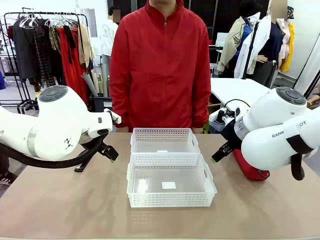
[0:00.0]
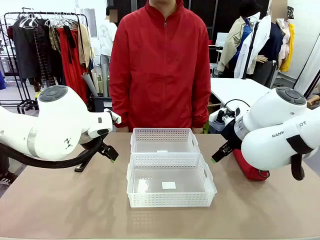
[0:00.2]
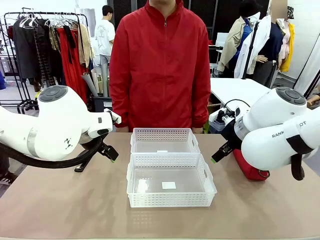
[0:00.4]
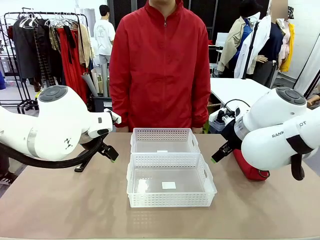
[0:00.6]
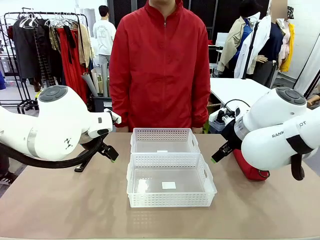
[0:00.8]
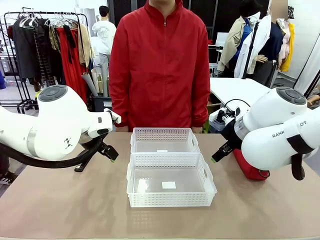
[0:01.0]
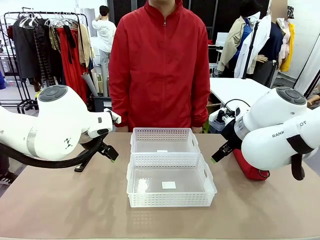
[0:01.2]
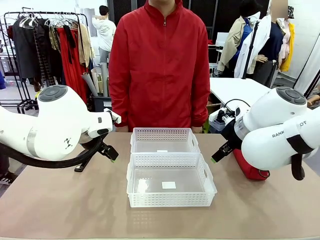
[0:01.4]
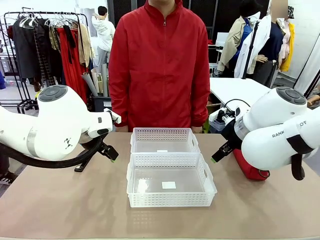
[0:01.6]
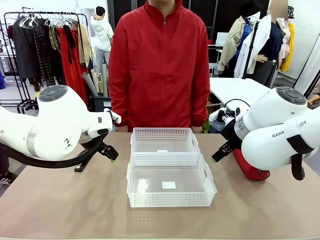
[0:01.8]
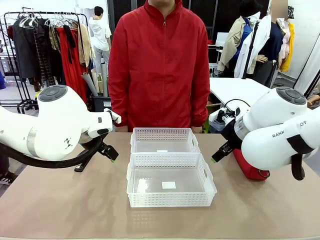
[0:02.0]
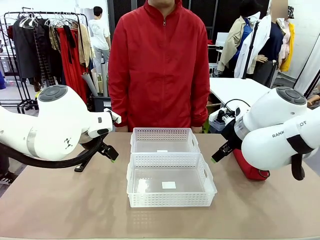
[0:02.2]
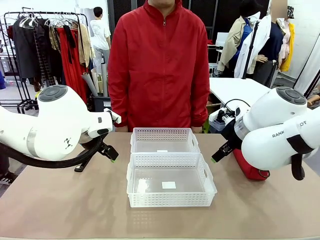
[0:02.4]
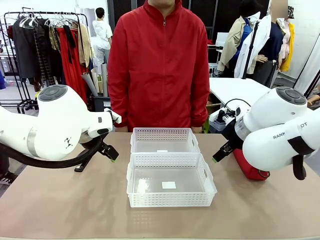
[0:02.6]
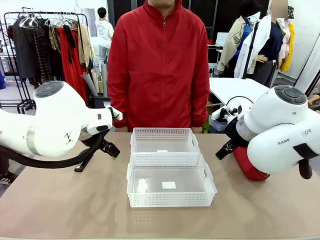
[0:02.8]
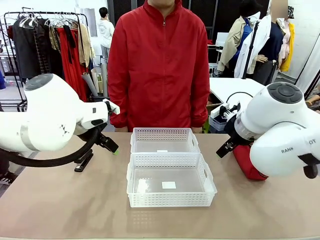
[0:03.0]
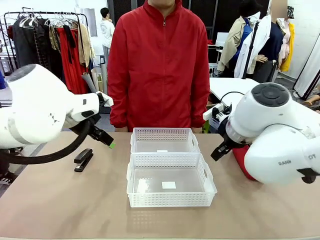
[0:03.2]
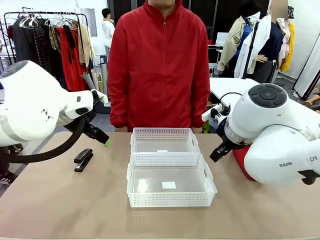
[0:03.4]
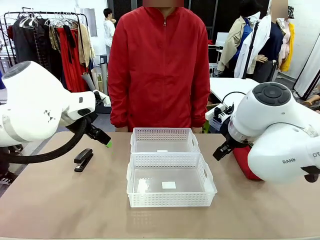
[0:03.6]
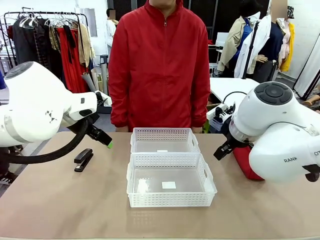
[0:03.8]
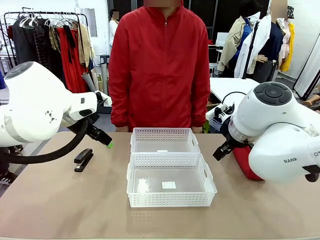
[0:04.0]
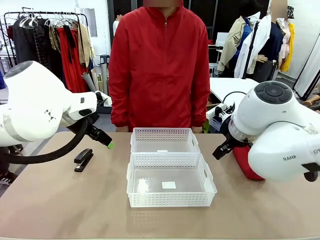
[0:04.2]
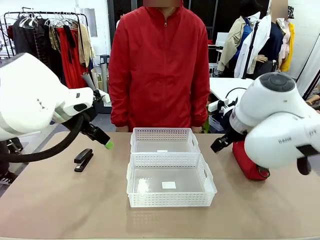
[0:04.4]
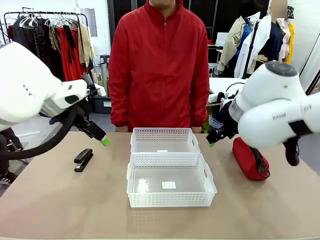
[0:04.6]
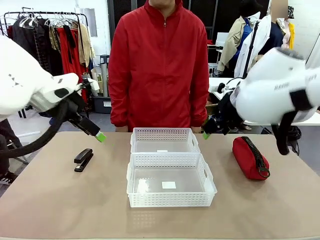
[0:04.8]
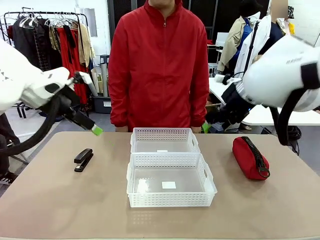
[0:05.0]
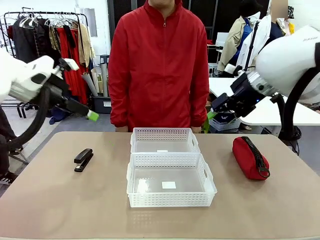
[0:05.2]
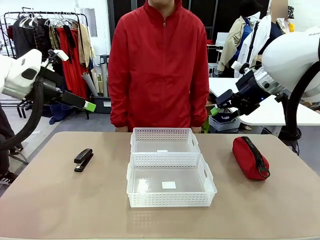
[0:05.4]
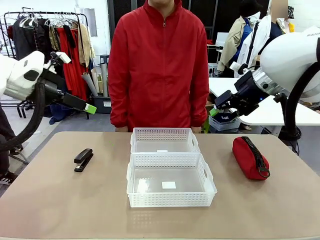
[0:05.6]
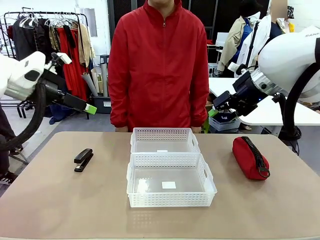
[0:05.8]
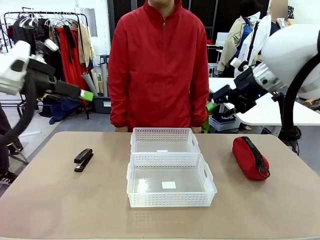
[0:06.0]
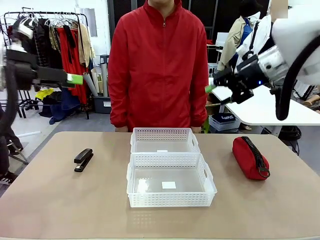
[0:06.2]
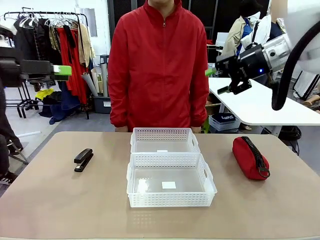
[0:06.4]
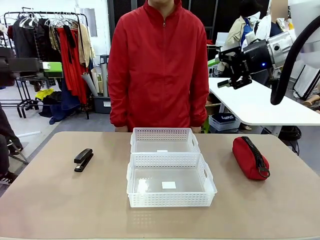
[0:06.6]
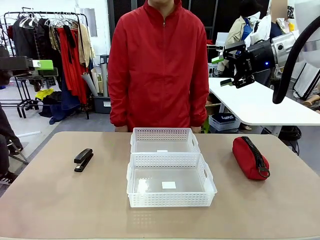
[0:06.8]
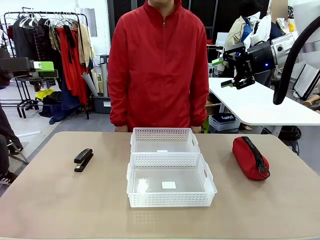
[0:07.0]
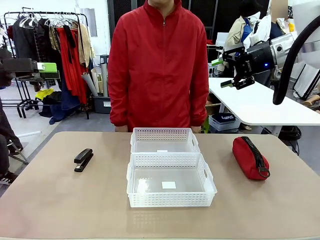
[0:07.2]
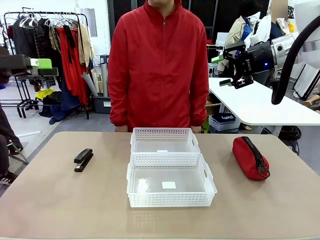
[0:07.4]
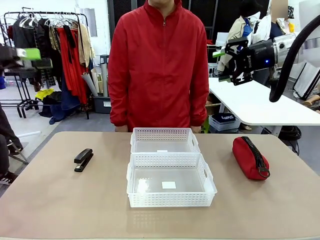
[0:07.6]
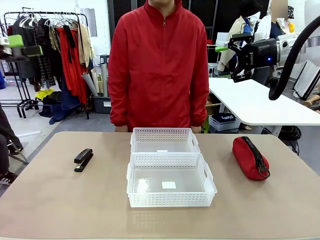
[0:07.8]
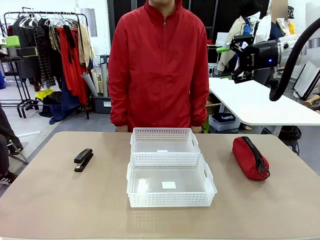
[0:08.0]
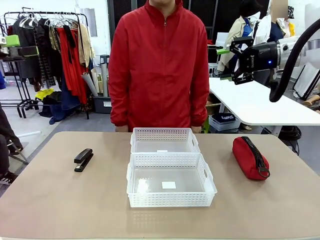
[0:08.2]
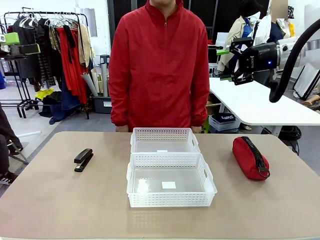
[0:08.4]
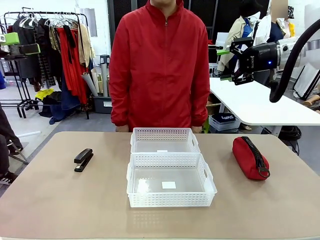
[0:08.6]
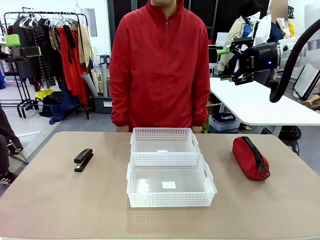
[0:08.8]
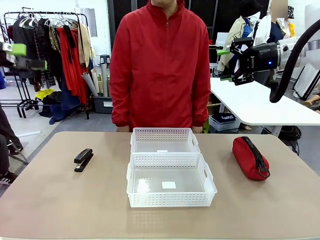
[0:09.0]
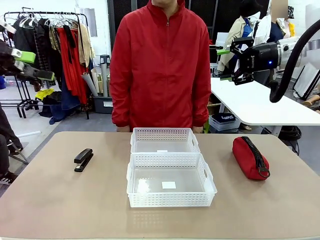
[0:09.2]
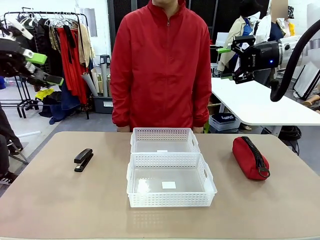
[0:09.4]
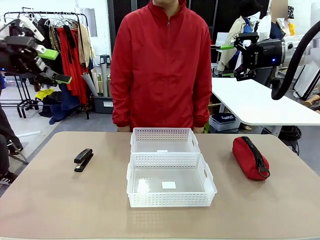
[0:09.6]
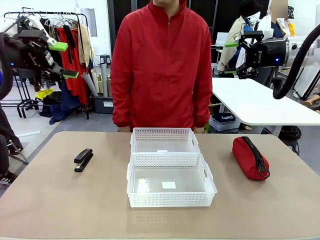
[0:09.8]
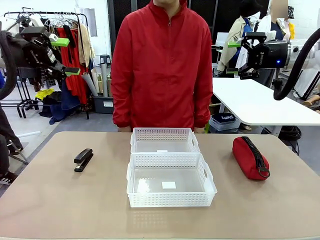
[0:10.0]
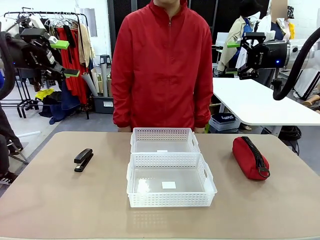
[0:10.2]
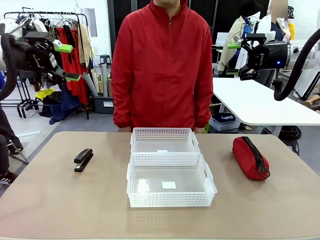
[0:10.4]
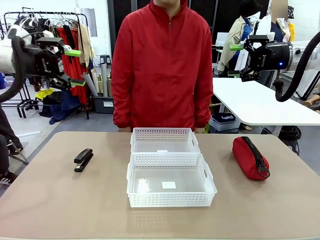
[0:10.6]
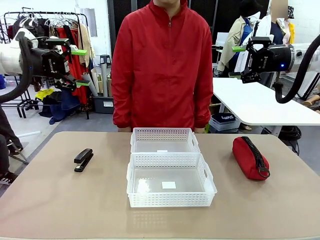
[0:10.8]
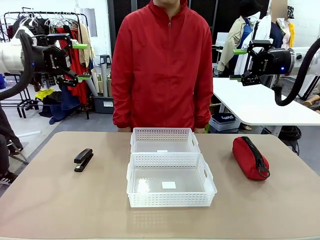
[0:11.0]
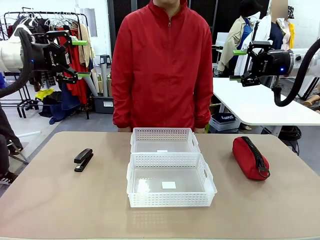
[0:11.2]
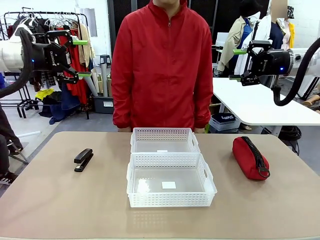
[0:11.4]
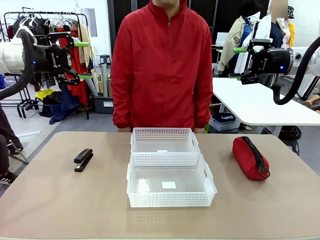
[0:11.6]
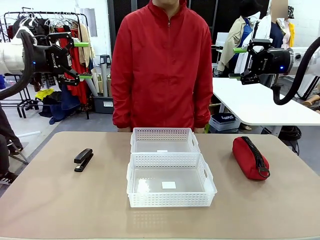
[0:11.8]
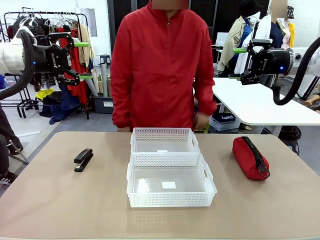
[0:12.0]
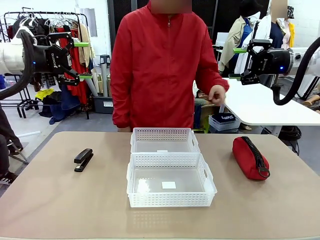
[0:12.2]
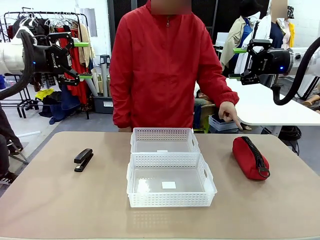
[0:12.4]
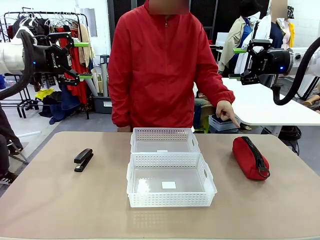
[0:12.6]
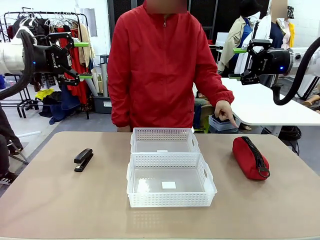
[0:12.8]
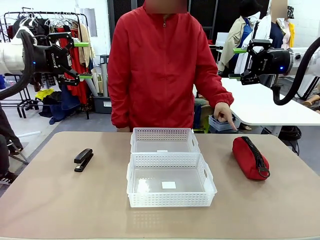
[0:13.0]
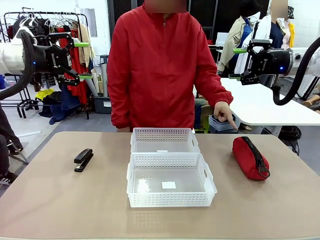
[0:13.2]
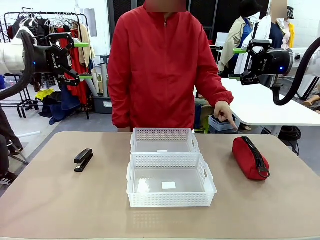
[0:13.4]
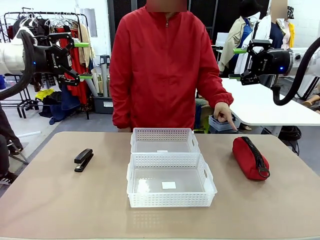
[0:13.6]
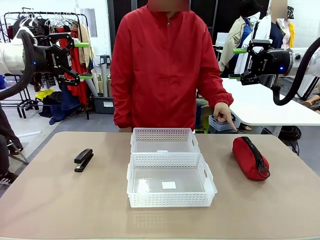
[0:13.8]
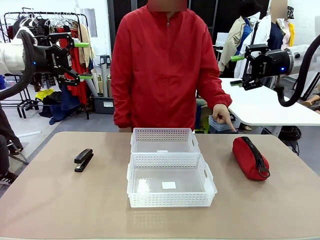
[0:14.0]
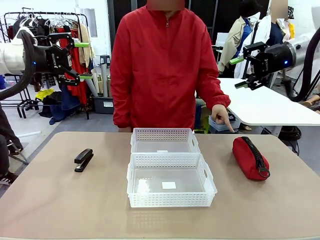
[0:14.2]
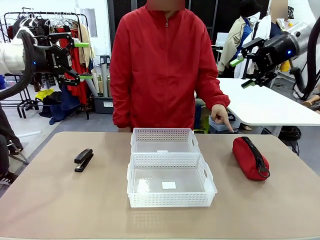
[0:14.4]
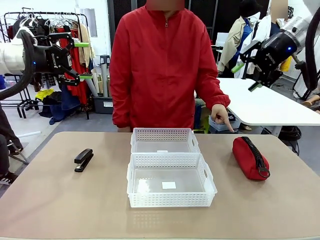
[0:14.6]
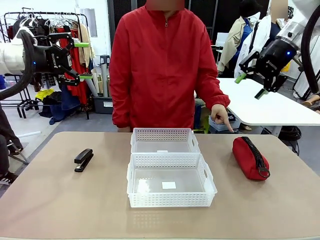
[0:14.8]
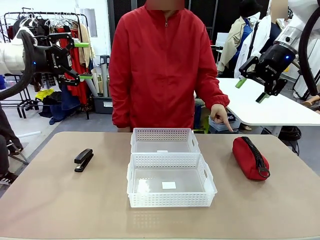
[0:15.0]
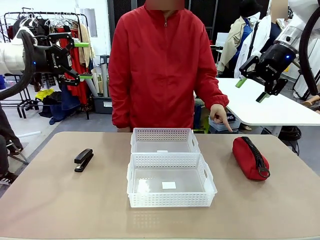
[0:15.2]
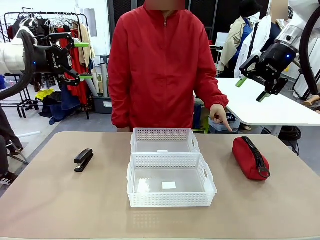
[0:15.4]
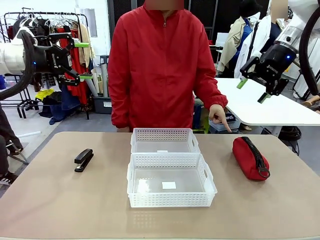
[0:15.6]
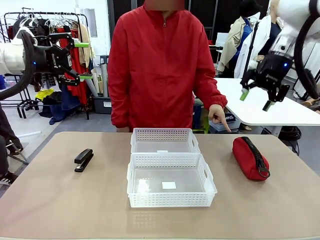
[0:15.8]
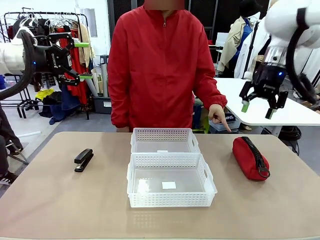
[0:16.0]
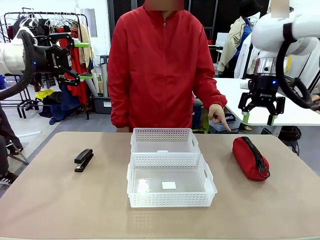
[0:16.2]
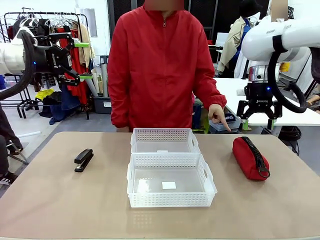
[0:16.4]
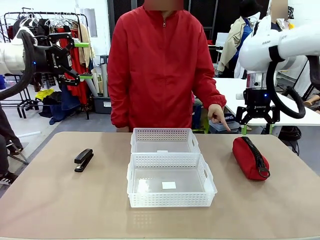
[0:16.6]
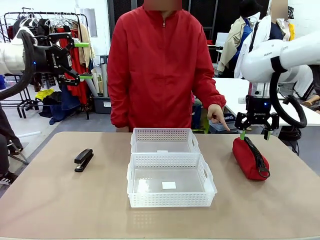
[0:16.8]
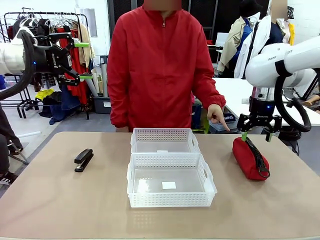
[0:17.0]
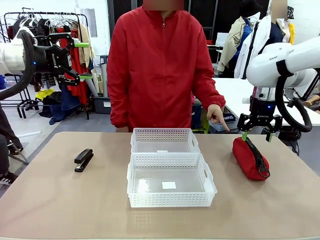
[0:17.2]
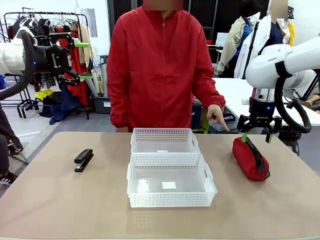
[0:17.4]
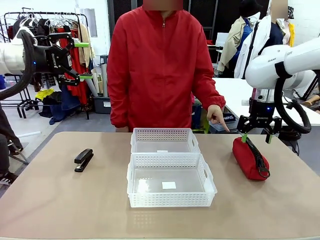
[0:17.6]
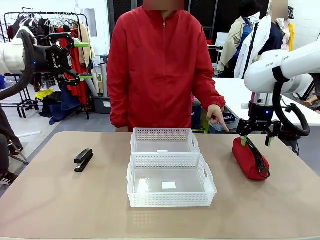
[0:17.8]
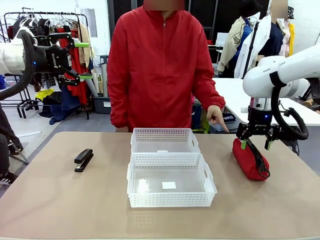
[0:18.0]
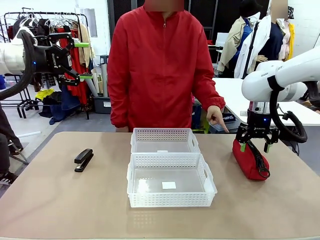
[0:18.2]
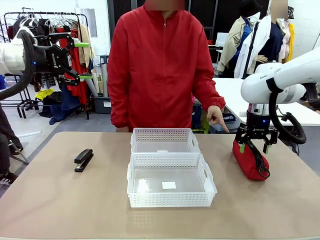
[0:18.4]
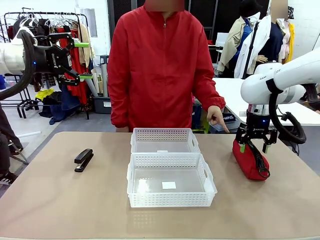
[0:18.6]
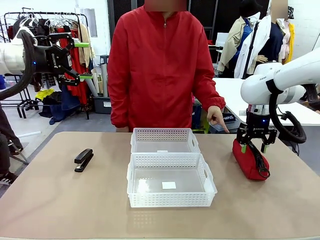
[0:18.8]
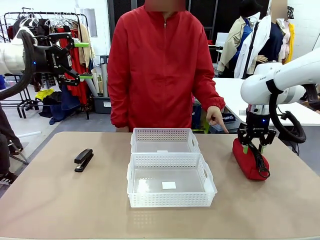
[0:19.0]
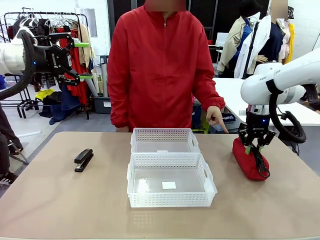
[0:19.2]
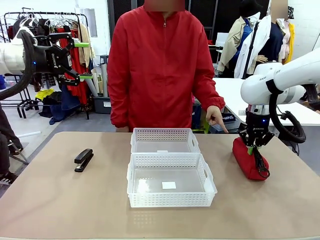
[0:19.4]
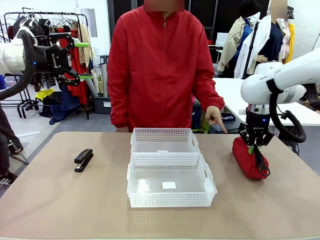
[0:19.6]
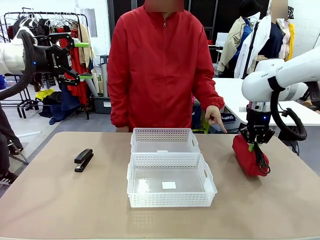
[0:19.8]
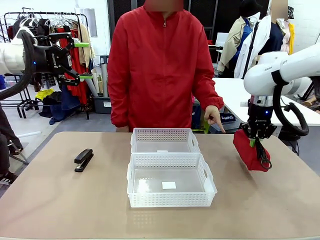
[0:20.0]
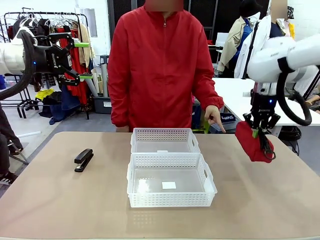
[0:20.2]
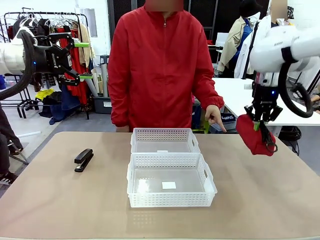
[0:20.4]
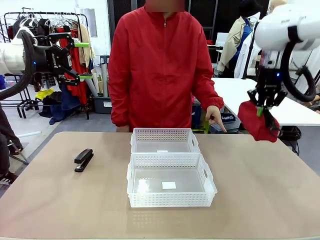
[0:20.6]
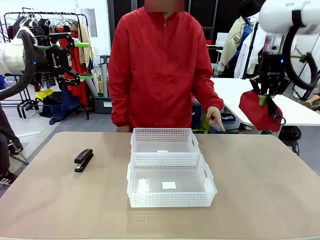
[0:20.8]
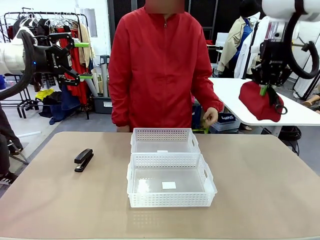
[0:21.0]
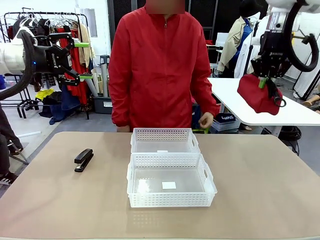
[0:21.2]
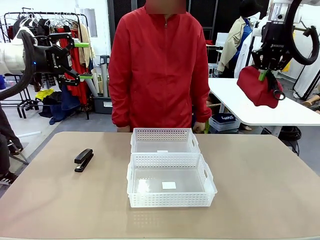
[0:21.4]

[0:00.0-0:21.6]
Task: Distribute items into two baskets.
Robot: Pick up the Pencil pouch that the person points to.
Person: Points to the pencil case. Points between the two organizing baskets and instructs the robot to move the pencil case.
